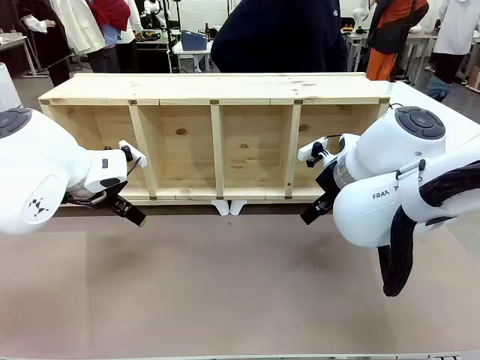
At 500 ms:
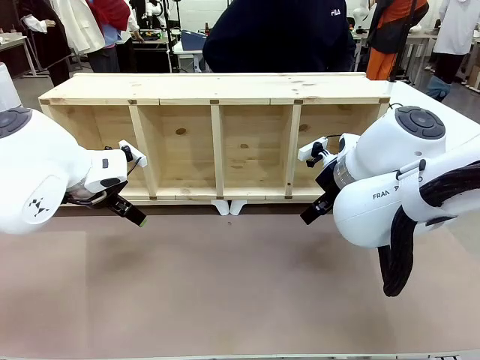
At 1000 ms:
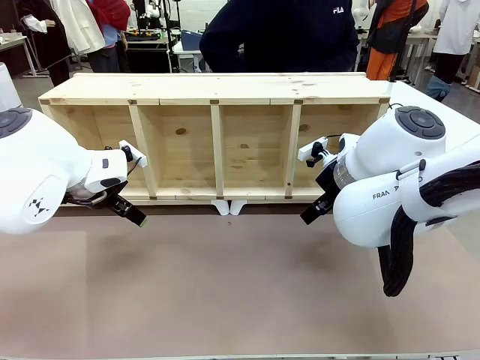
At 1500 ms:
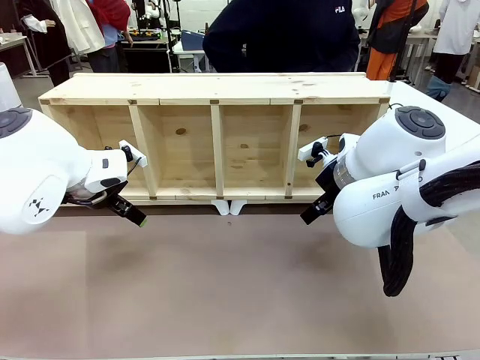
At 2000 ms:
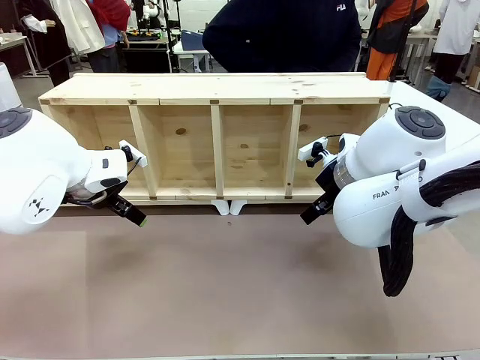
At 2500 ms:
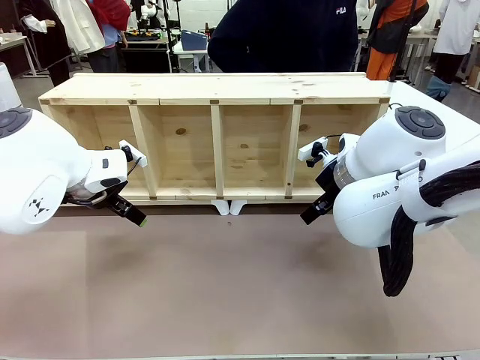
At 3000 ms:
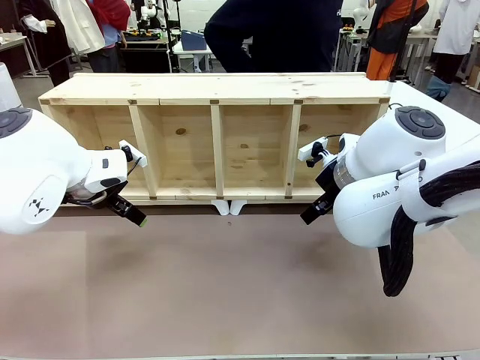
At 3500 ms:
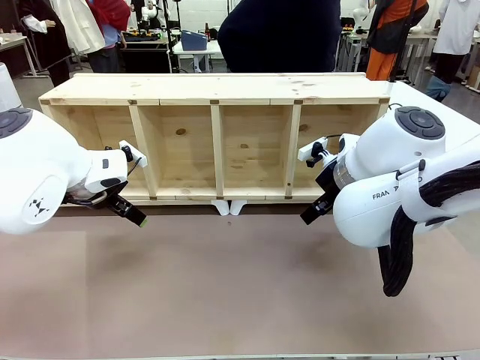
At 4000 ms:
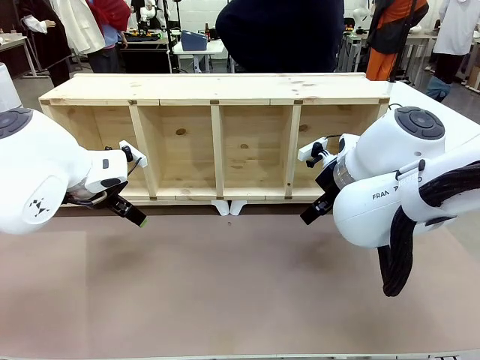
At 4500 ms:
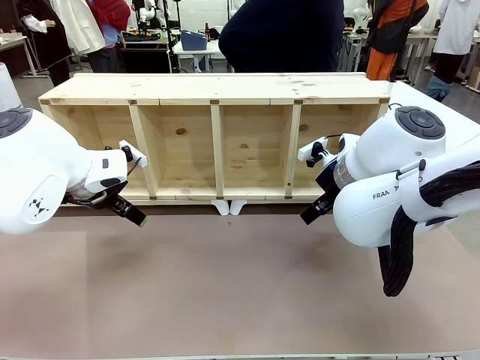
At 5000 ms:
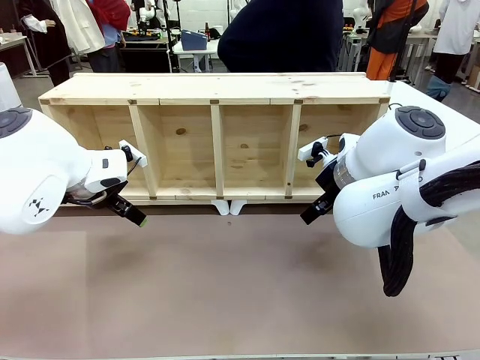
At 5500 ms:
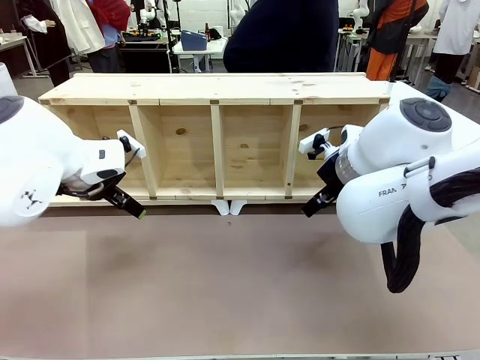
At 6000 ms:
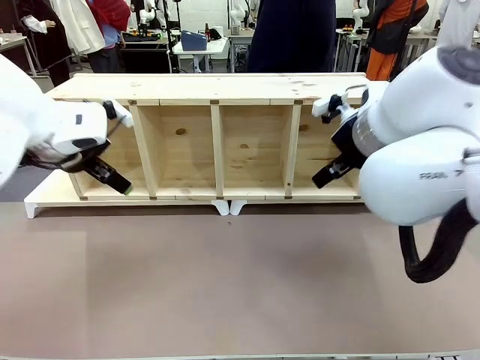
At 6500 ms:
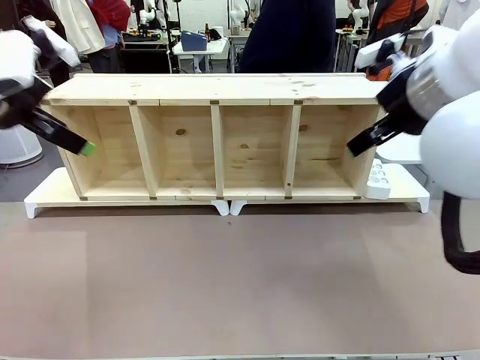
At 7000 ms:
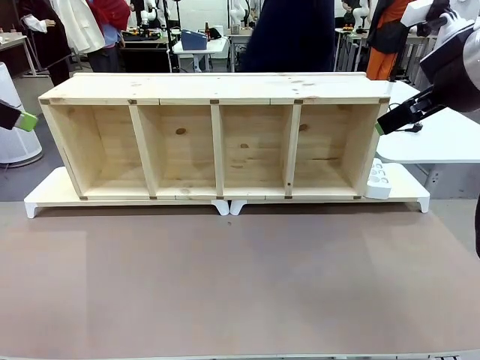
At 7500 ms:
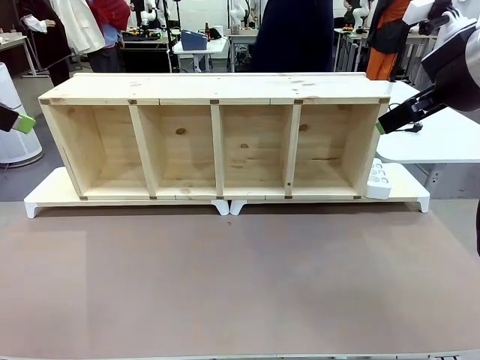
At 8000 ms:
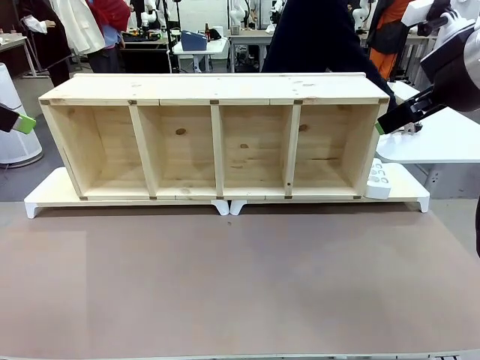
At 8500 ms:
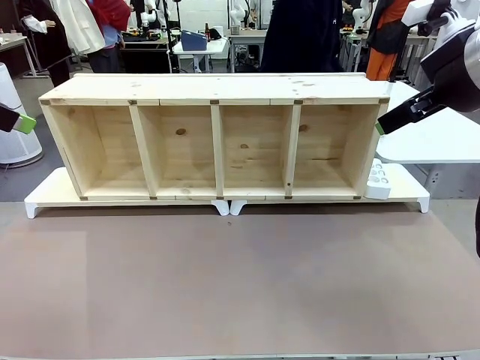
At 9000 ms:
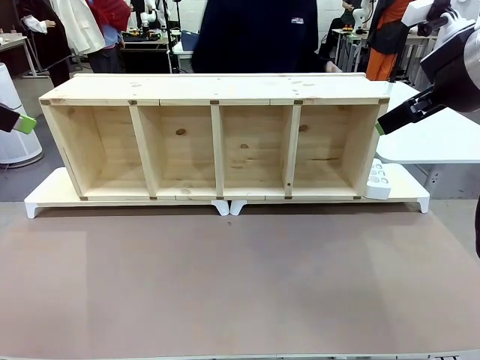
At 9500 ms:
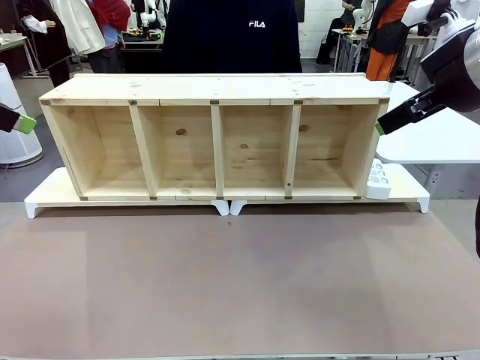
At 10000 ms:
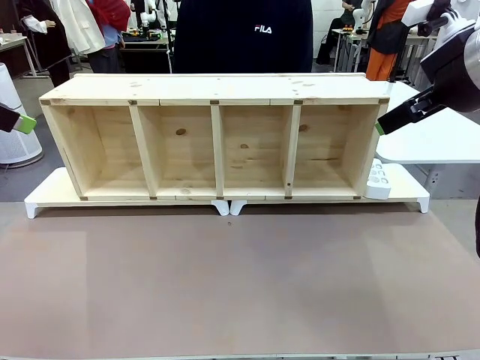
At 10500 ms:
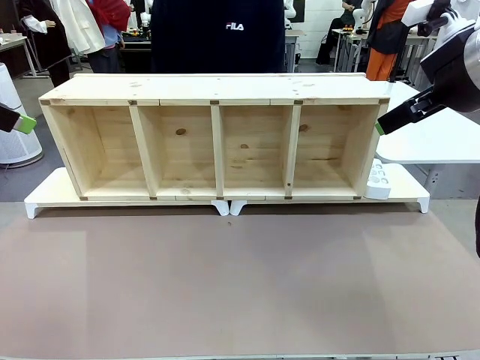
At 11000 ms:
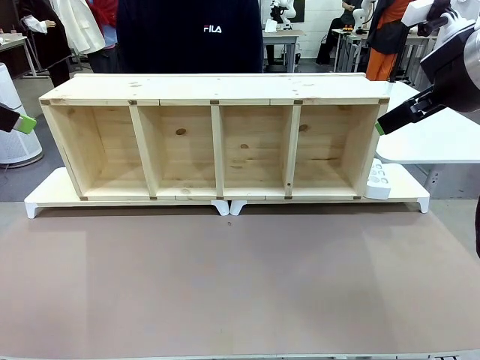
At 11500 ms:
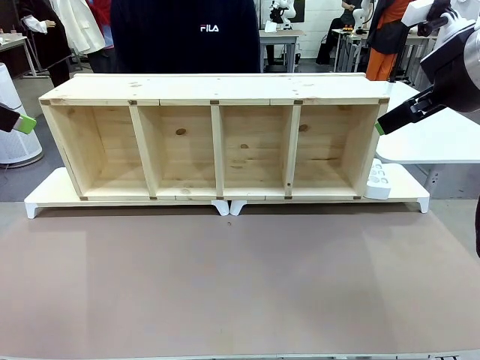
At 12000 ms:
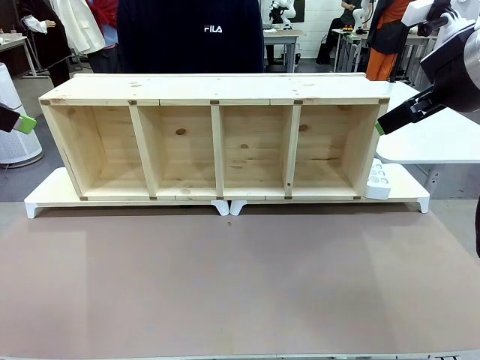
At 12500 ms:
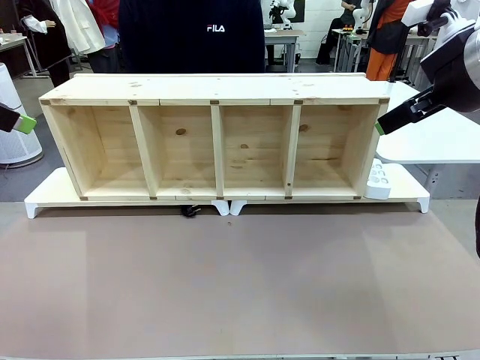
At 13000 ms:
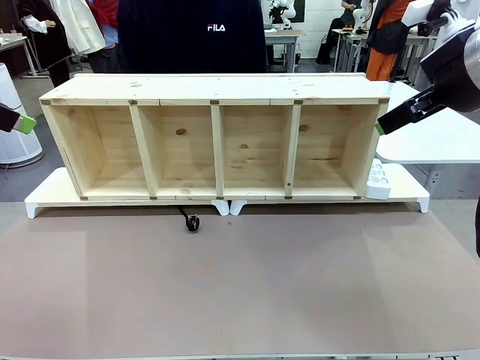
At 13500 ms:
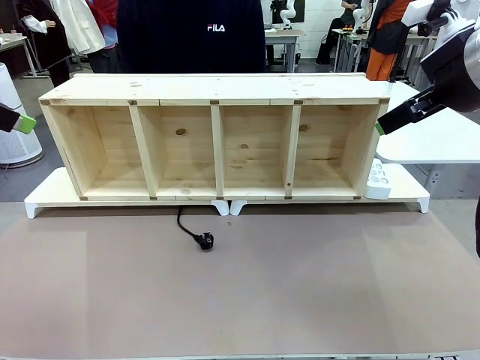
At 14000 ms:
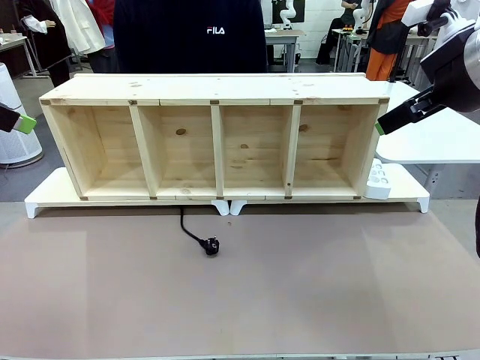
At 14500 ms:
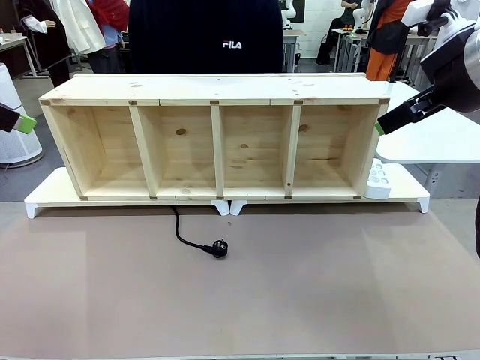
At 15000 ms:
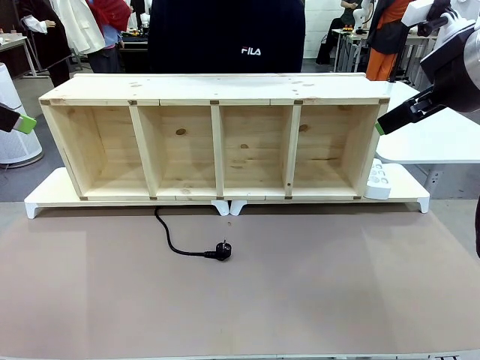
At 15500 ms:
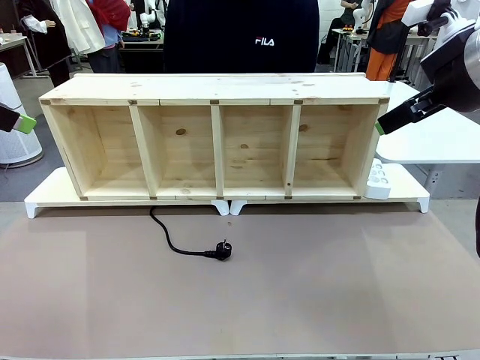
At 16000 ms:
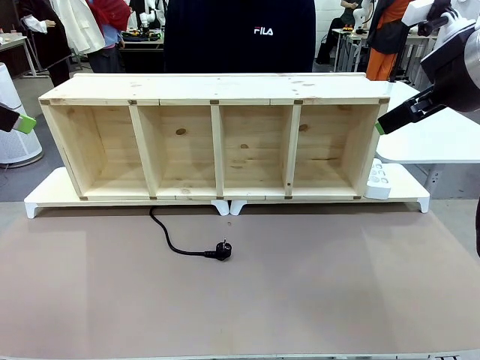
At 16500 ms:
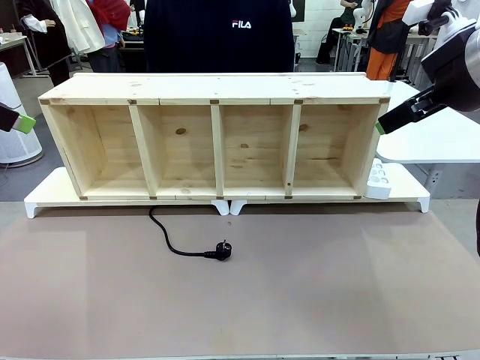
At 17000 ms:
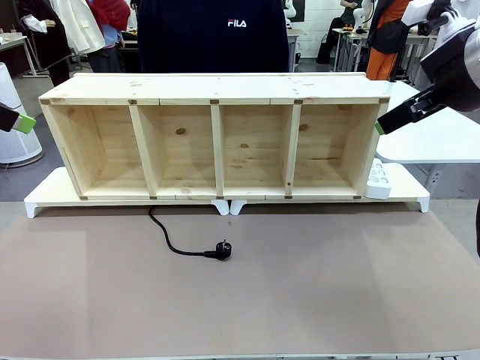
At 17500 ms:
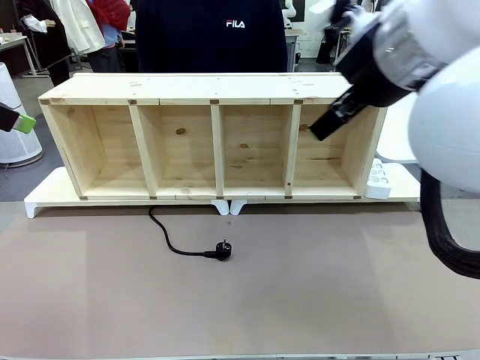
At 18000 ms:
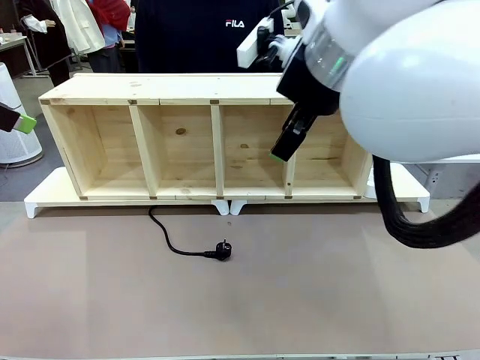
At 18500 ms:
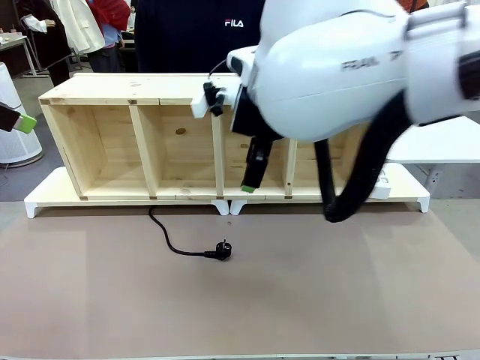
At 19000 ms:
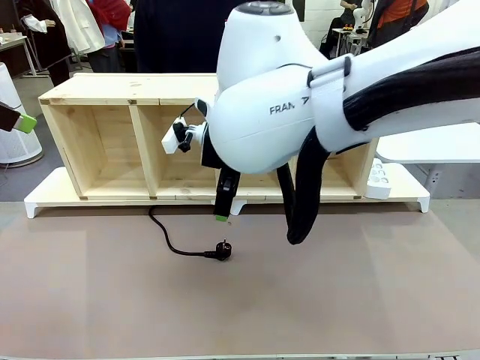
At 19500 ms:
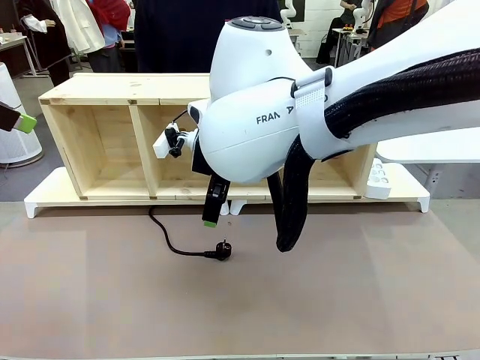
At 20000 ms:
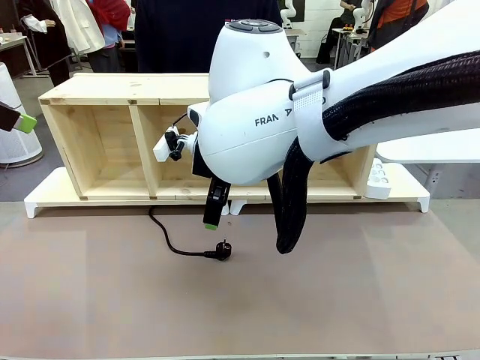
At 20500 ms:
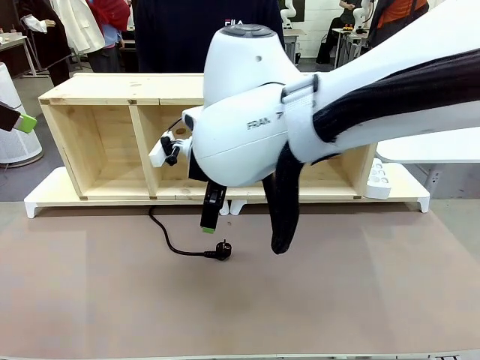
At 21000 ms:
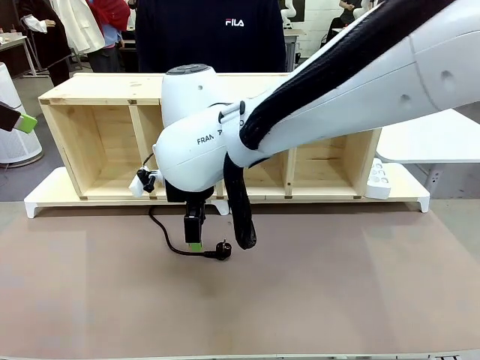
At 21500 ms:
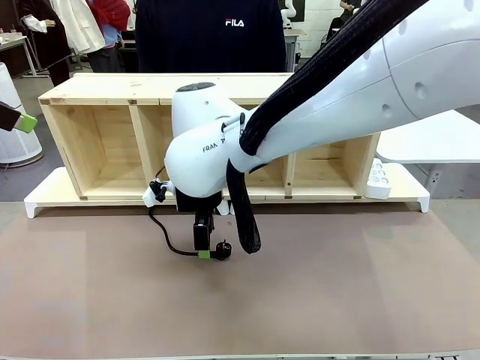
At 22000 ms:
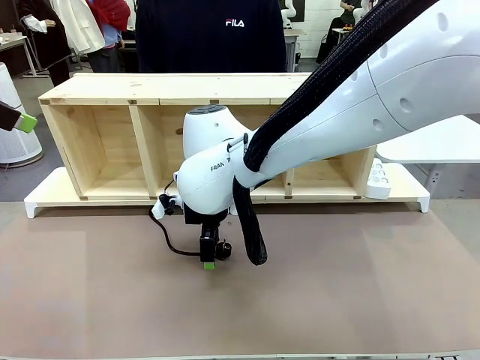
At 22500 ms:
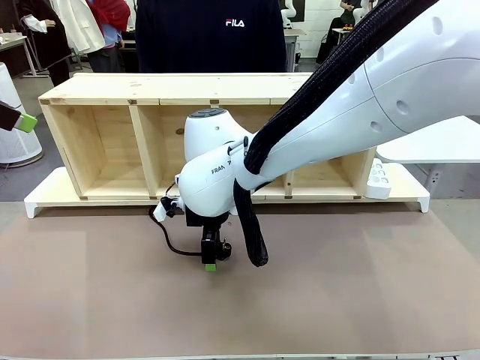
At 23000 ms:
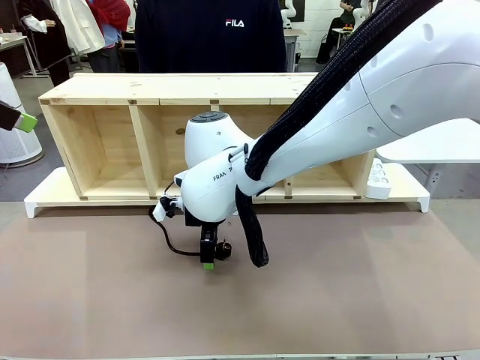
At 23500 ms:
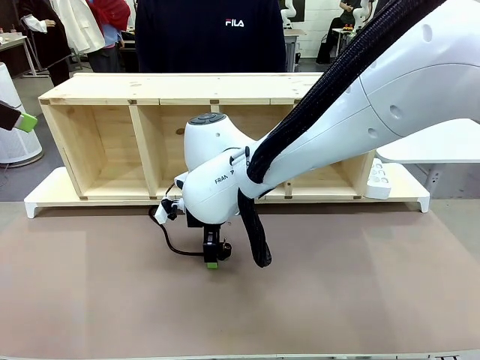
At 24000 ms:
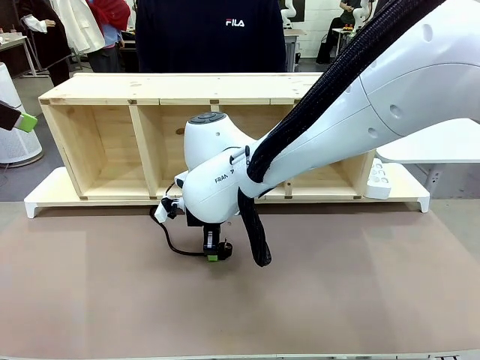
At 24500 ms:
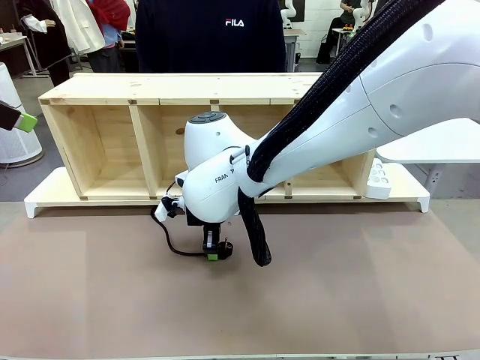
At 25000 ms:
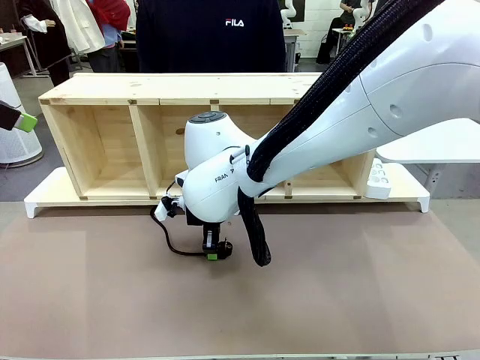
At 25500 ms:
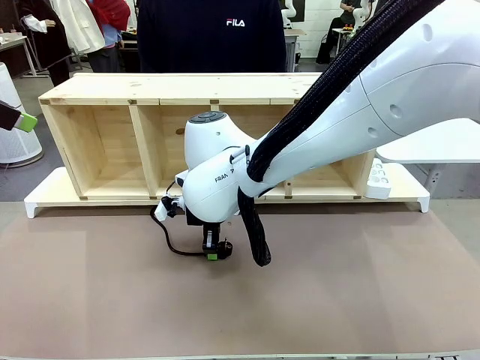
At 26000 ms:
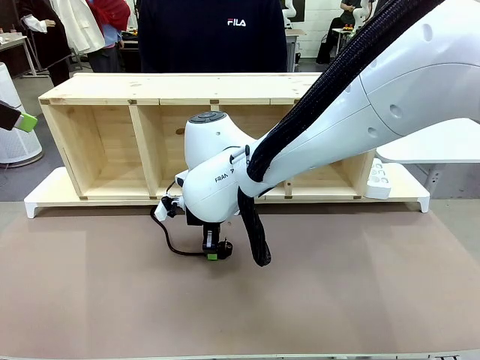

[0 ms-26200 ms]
Task: Perform cable management.
Robot: When the cord part of the Power Cable appears at the lower middle area of the table and stops, grasp the cord part of the Power Cable.
Person: Pass the Power Cable under the Serving Table.
